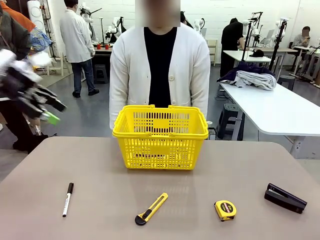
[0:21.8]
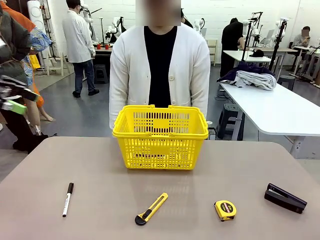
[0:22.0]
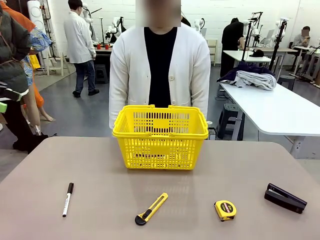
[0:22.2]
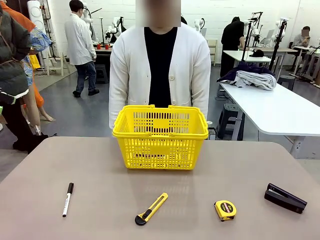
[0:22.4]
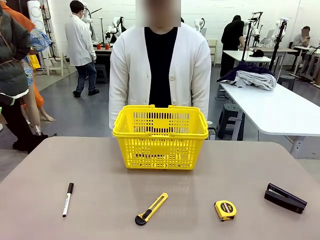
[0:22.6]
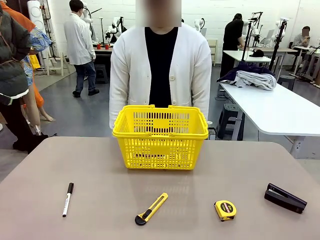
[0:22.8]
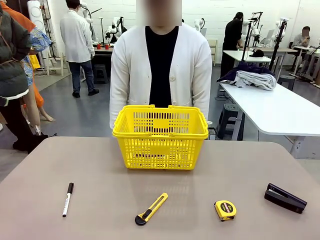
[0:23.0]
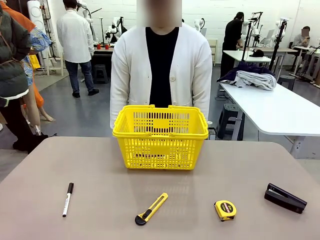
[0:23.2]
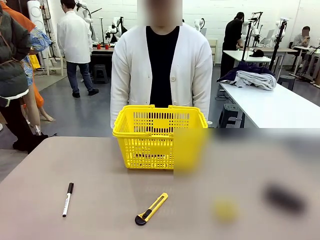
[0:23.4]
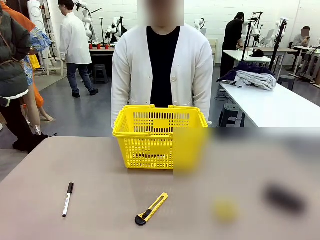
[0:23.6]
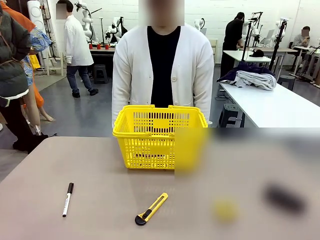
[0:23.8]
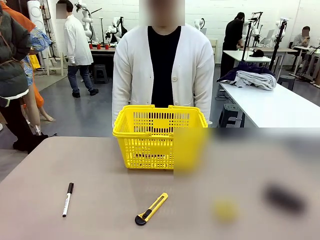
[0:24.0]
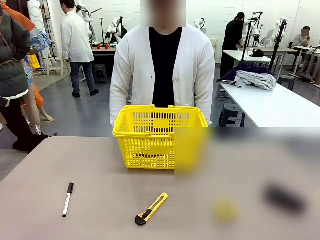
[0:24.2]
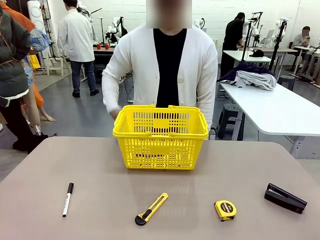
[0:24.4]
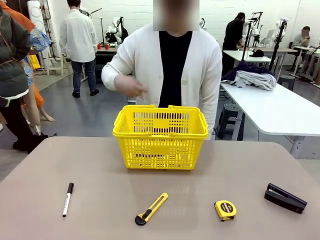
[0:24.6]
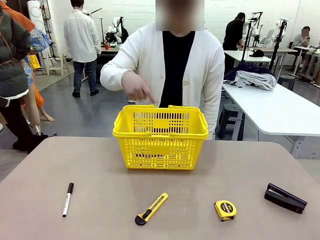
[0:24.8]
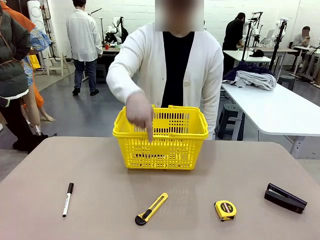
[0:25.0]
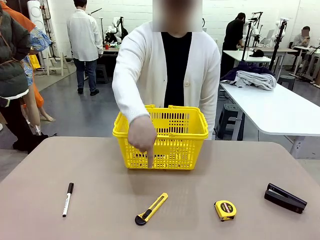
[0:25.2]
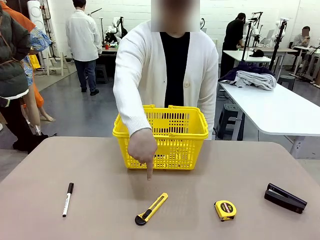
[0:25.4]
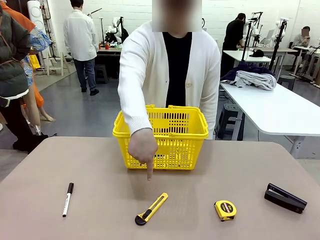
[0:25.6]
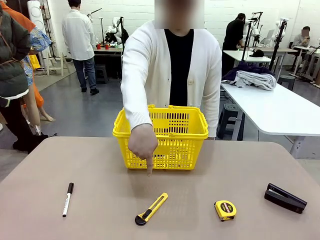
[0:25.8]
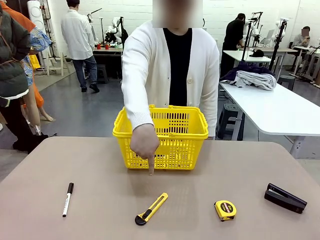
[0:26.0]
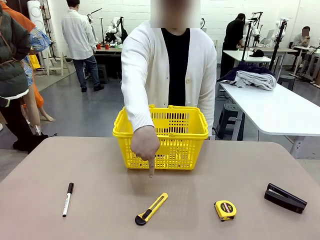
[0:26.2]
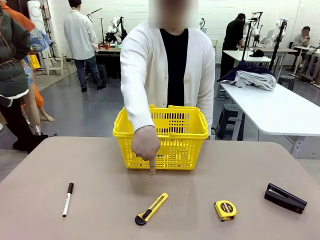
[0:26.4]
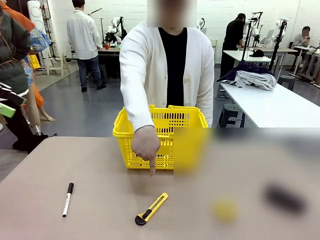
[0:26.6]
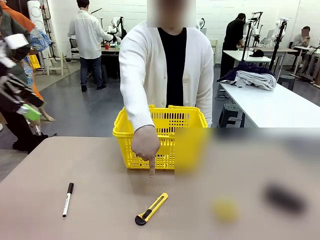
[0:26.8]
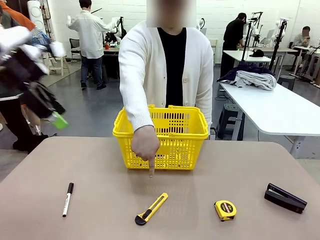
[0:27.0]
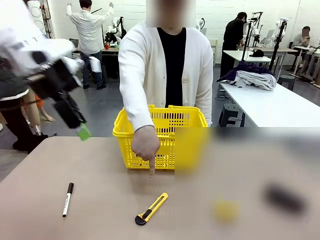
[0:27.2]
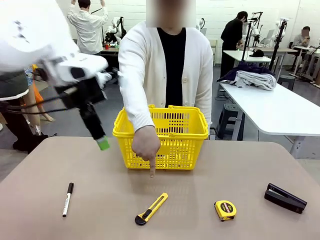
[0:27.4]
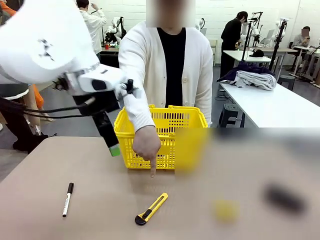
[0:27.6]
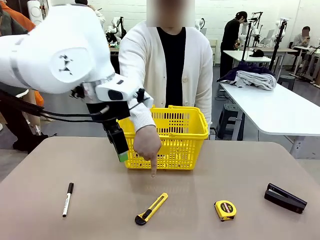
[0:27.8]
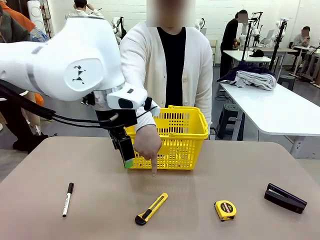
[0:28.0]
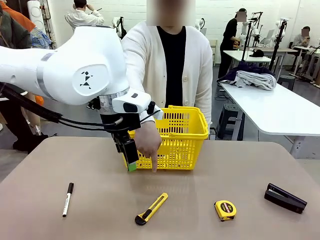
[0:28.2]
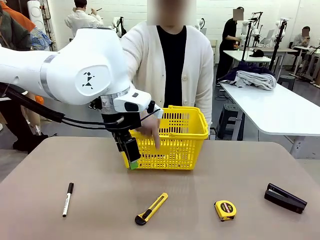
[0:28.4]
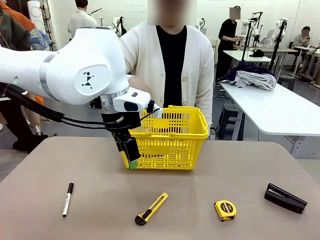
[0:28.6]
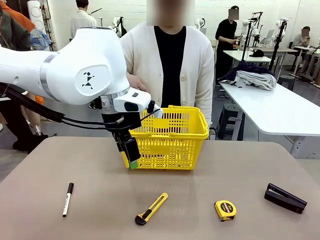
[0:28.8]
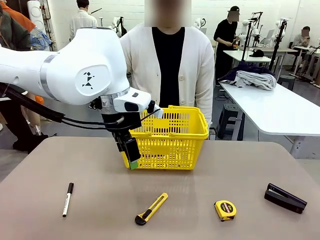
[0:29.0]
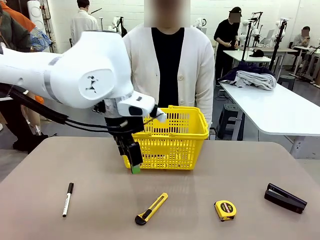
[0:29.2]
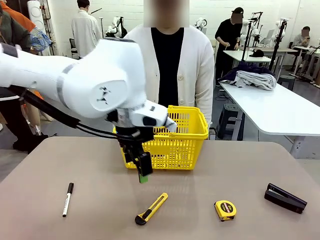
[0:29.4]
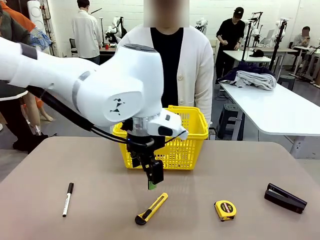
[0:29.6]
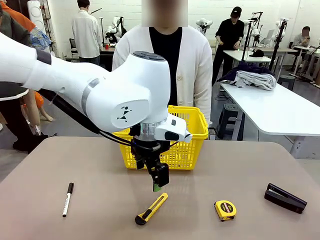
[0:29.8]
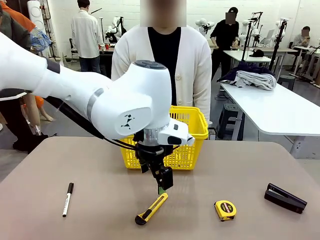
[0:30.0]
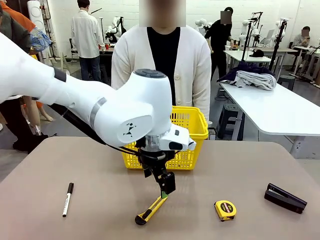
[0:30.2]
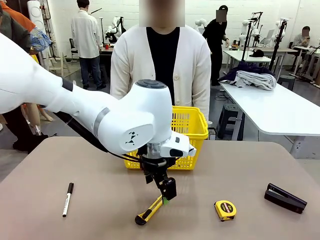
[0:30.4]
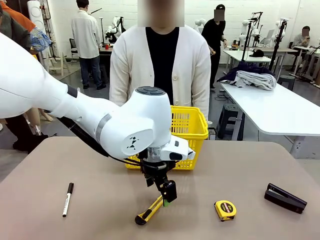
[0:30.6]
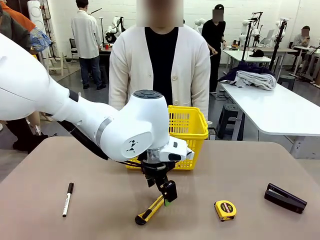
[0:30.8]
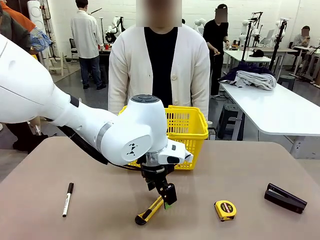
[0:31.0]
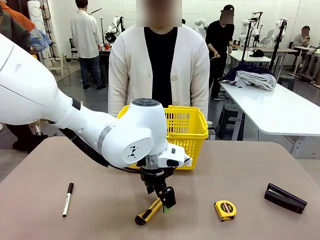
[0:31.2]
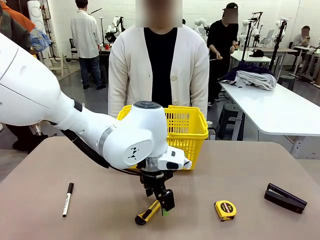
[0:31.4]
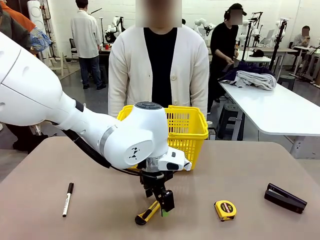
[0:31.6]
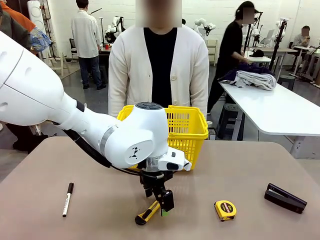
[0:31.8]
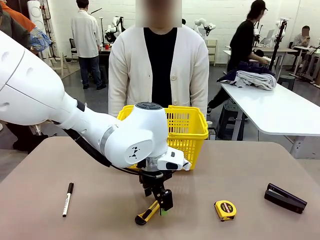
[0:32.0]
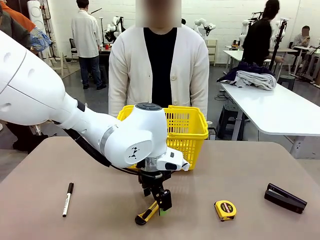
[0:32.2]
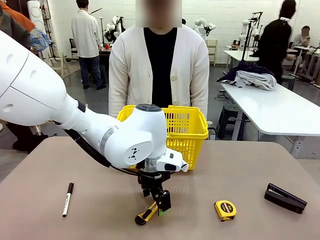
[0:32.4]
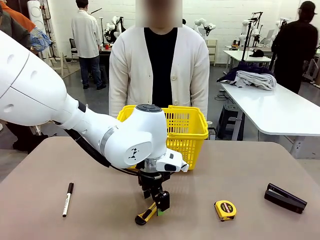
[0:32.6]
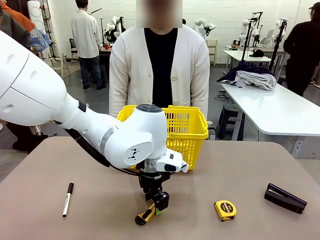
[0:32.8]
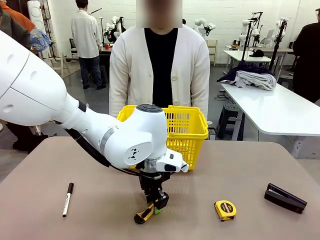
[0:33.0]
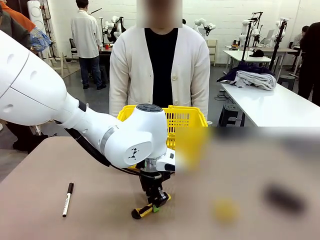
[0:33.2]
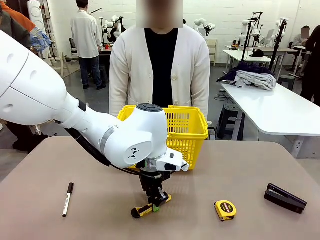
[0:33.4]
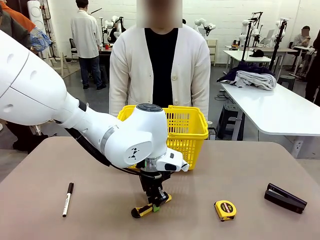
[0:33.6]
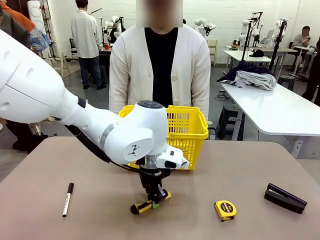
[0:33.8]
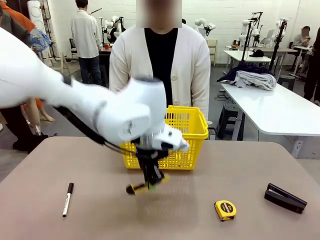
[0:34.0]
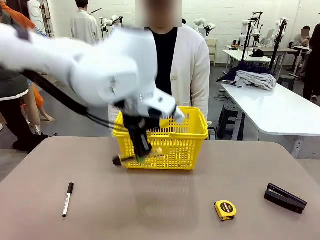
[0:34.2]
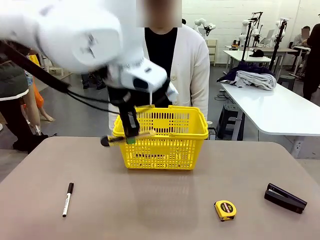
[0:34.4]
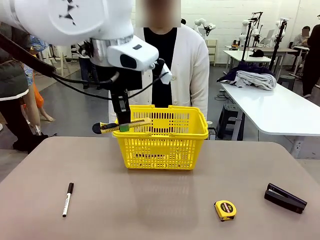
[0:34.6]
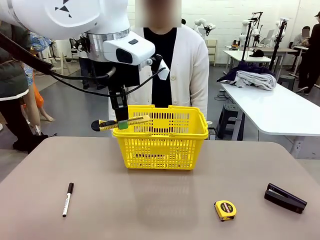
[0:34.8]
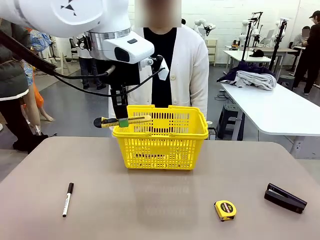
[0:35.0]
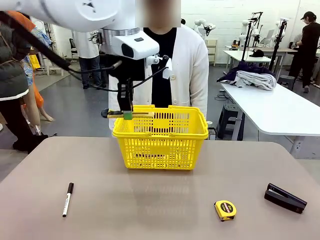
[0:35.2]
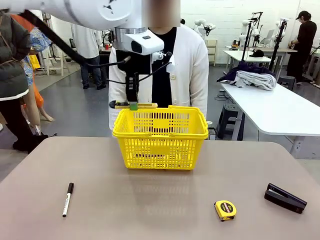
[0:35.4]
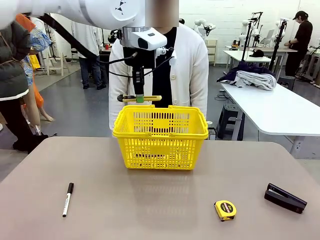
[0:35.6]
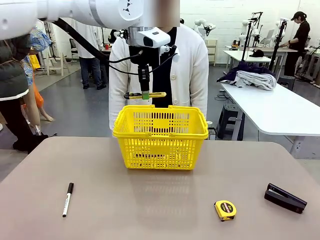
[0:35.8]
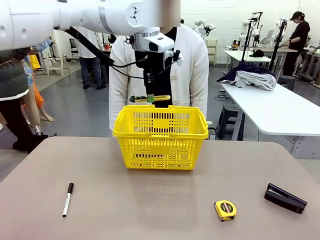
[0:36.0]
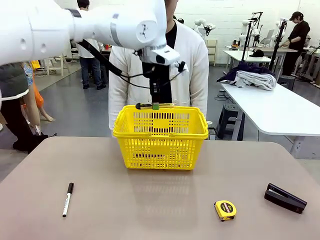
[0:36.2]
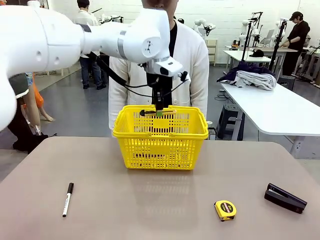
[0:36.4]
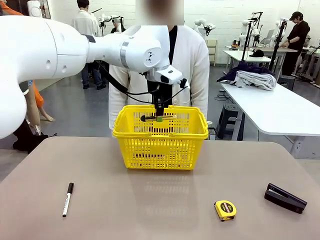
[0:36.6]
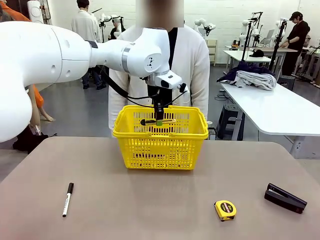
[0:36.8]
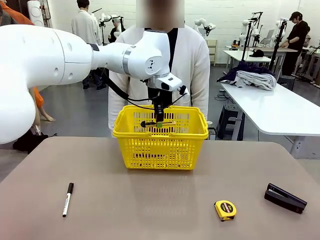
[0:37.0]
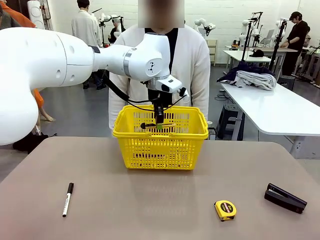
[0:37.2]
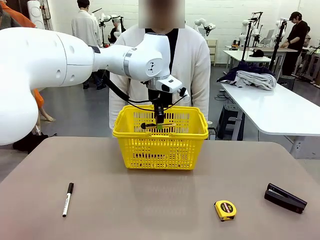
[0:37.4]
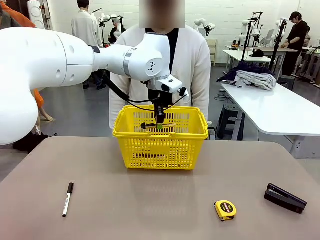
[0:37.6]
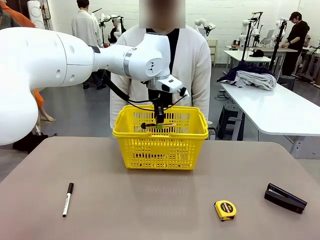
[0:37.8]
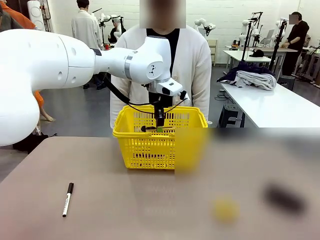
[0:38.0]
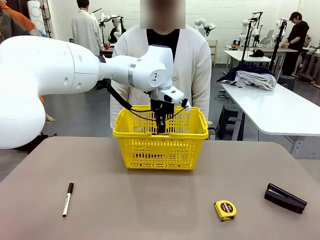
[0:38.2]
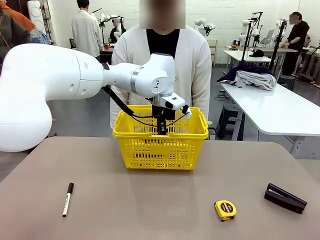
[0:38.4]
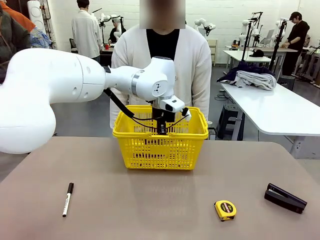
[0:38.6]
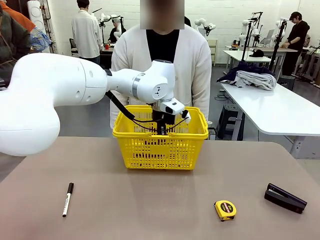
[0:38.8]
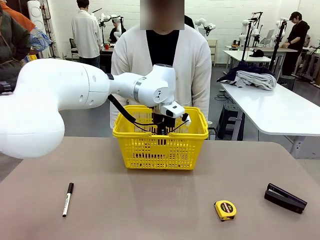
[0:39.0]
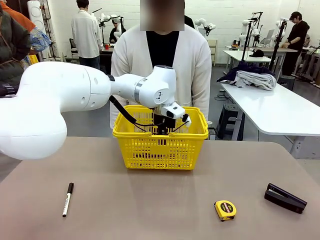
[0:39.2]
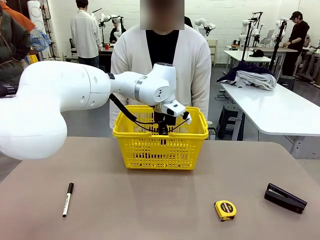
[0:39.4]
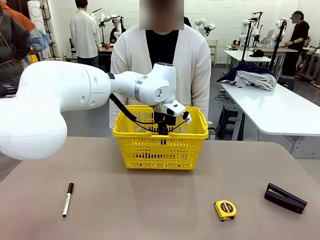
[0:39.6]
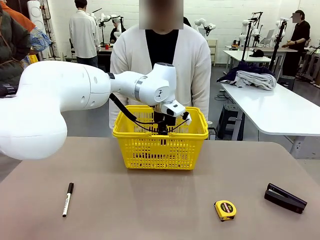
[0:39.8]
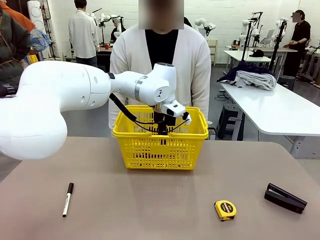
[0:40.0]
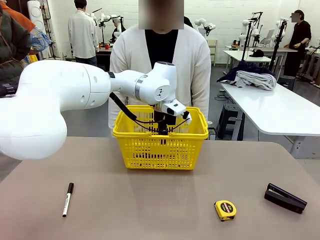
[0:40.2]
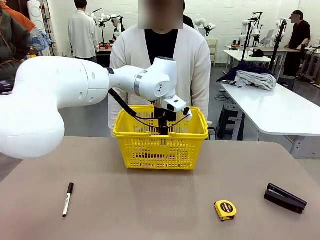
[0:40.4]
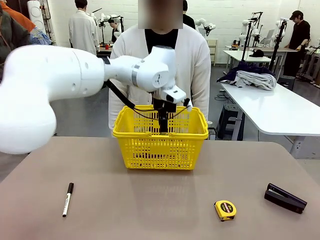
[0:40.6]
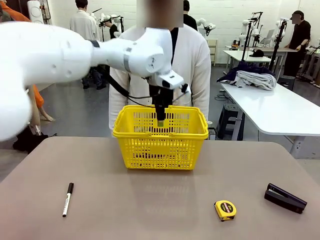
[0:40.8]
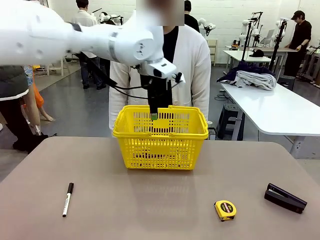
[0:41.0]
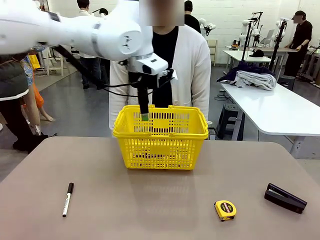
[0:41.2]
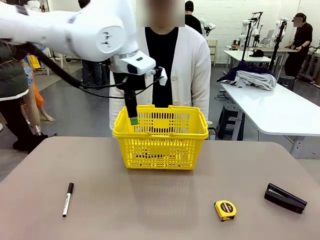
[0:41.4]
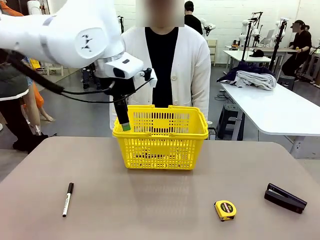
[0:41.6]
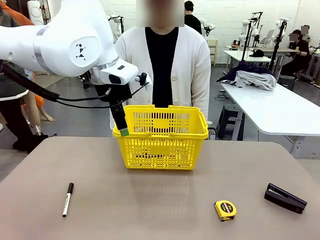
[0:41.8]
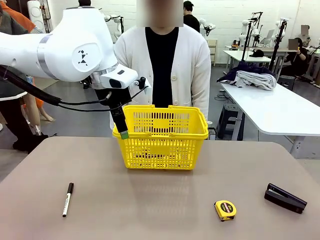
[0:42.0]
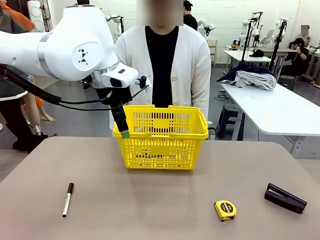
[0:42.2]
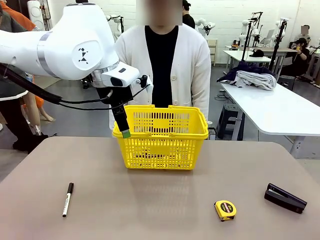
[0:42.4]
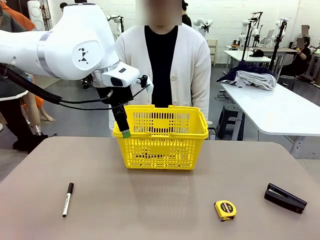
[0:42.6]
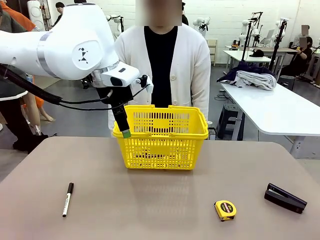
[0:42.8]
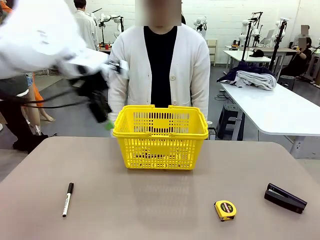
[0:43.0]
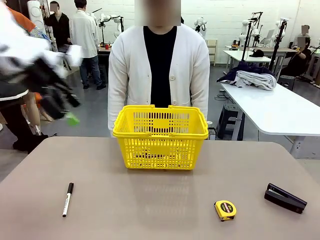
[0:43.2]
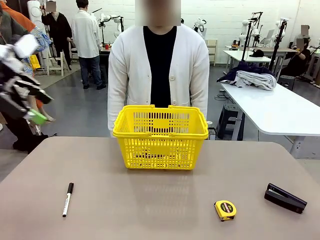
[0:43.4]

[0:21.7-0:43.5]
Task: Place the items the person wants into the basket.
Robot: Pick up the item the person points to and place it in the Market Basket.
